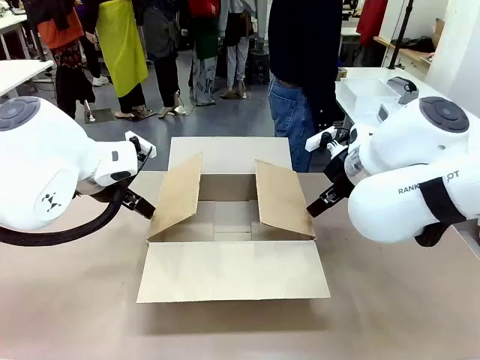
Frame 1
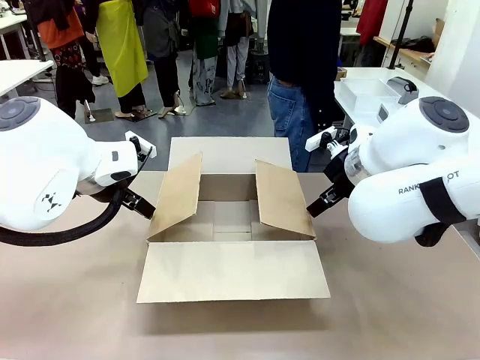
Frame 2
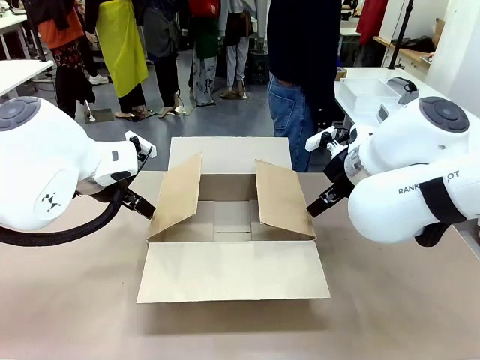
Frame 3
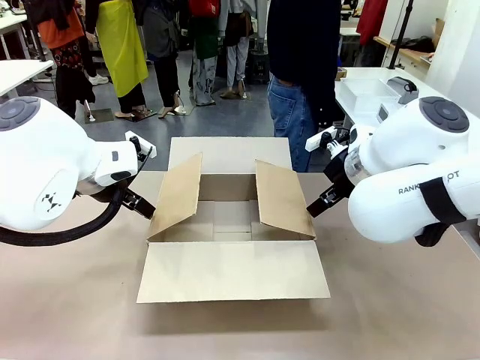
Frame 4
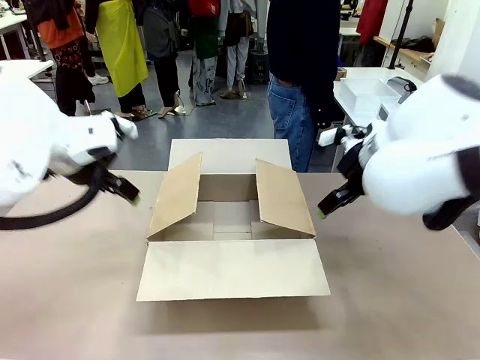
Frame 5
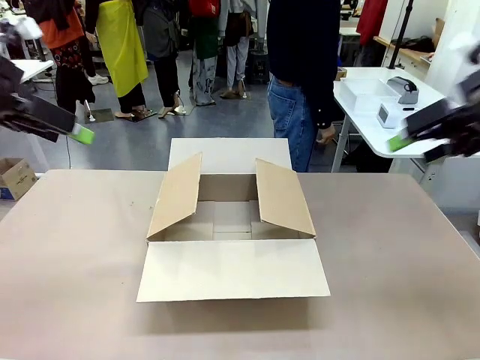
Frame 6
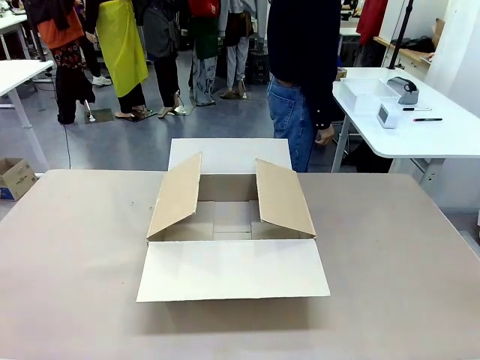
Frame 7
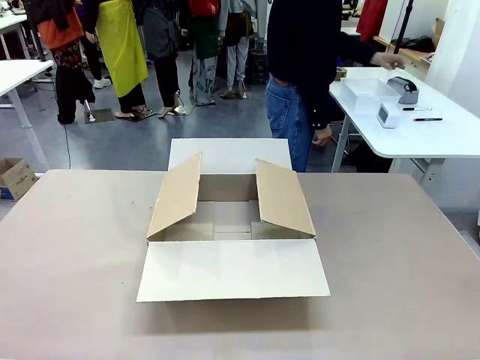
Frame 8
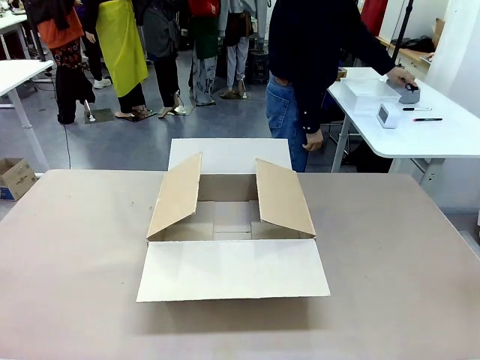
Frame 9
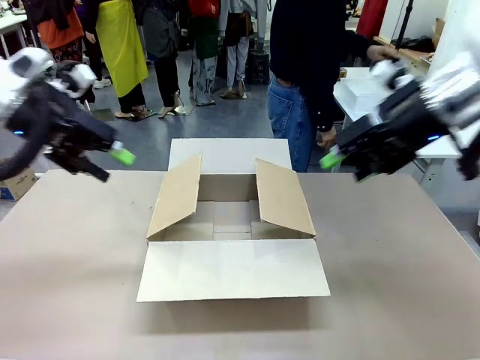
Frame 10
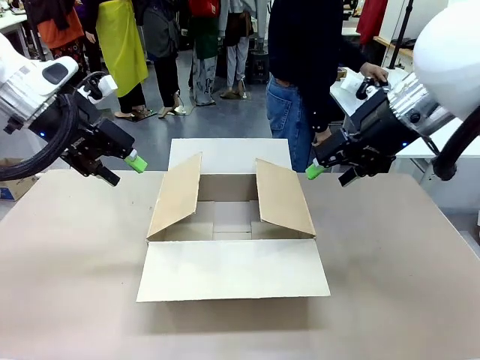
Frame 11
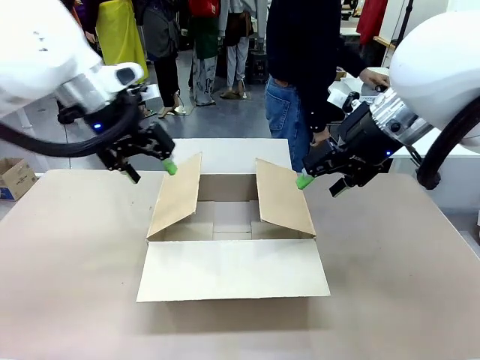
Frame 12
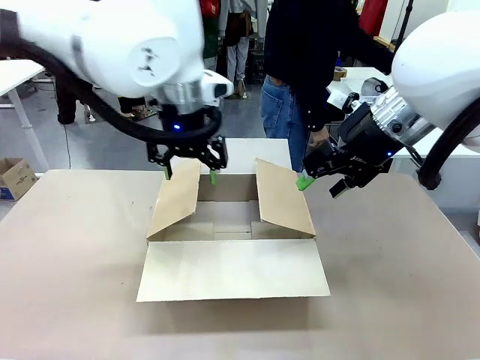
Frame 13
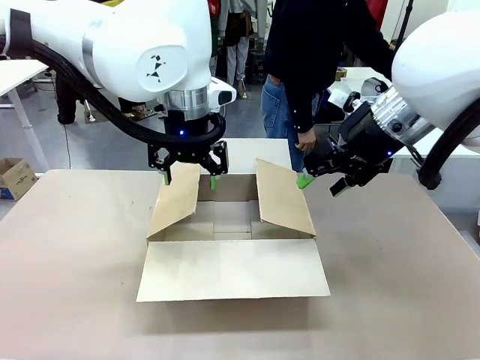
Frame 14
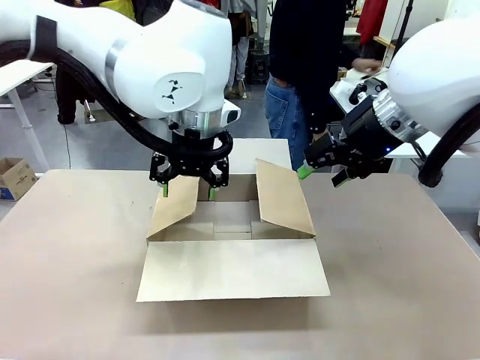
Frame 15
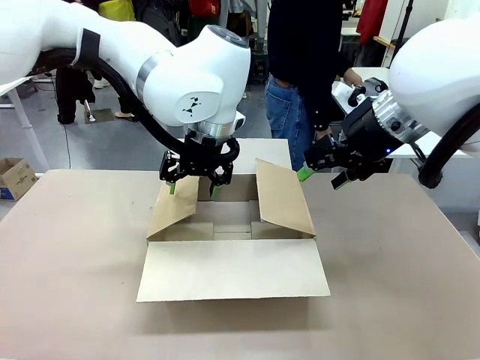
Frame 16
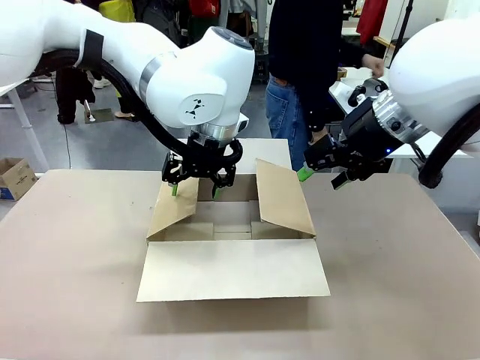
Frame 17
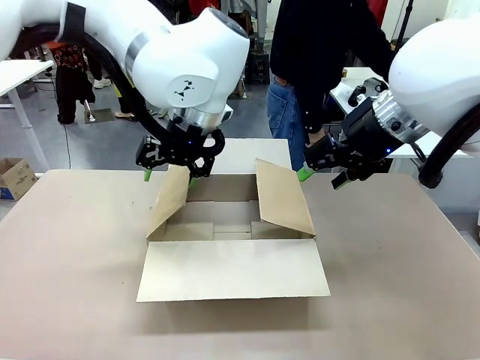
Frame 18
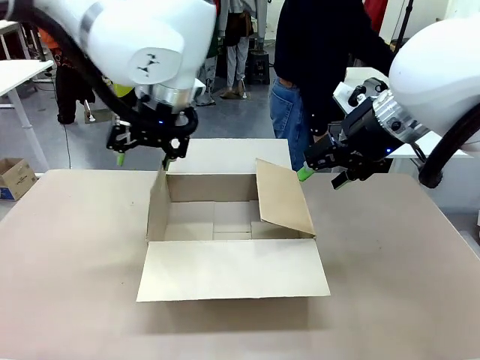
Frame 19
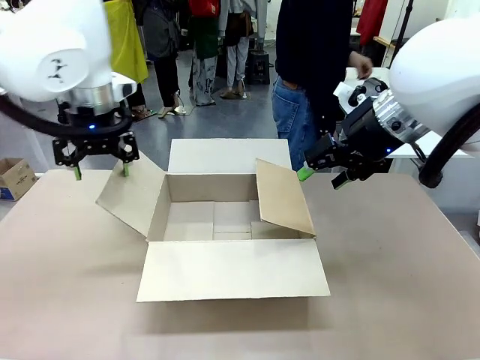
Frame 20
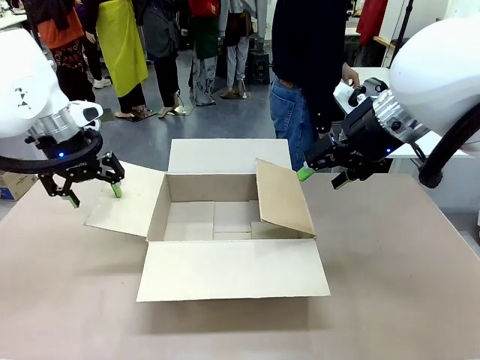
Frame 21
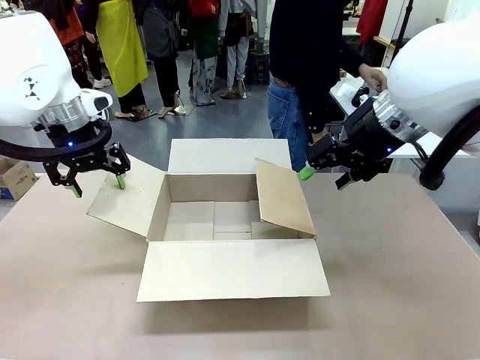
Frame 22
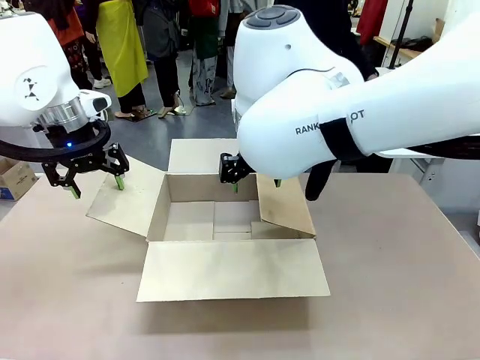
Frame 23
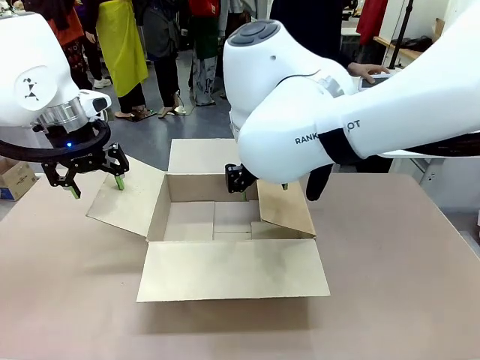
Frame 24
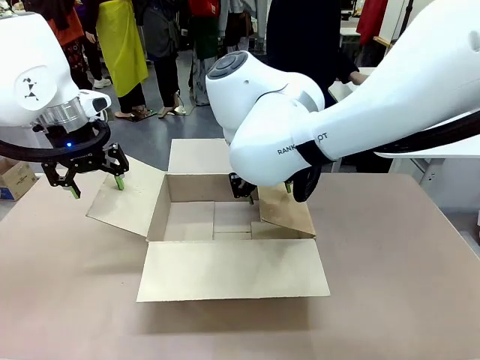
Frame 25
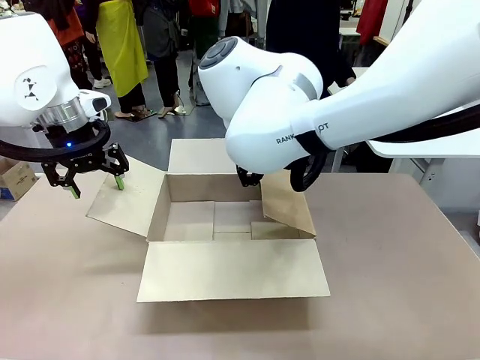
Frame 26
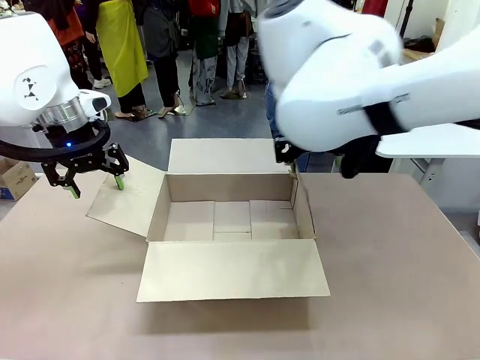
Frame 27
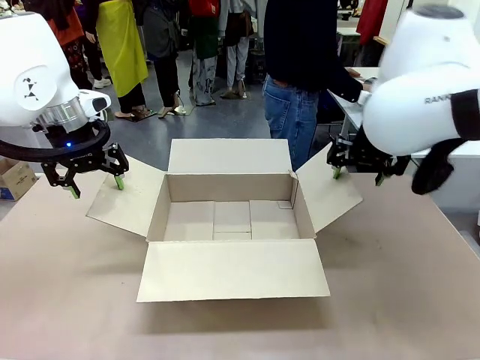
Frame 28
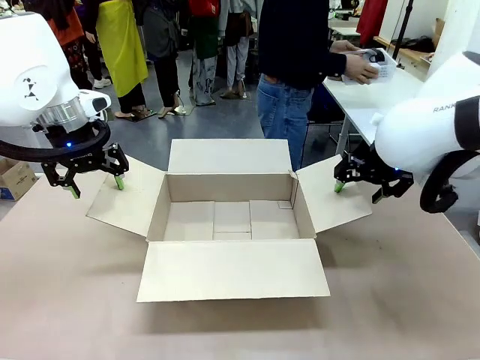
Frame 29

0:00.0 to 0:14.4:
Task: Pack the gift set into the box.
Robot: Place both hands on the side flaps of the Package Box and spread them outward.
Person: The human places all items except the paper tape into the organizing basket.

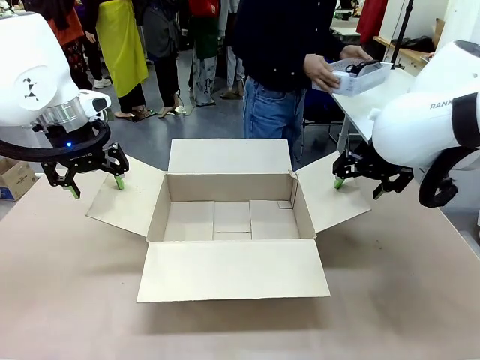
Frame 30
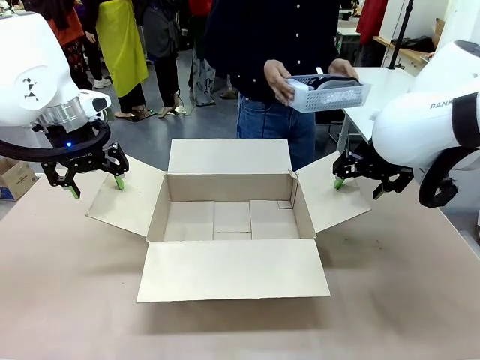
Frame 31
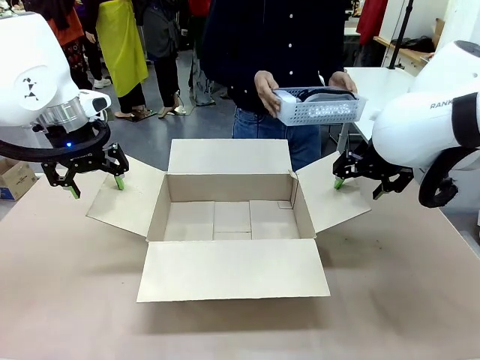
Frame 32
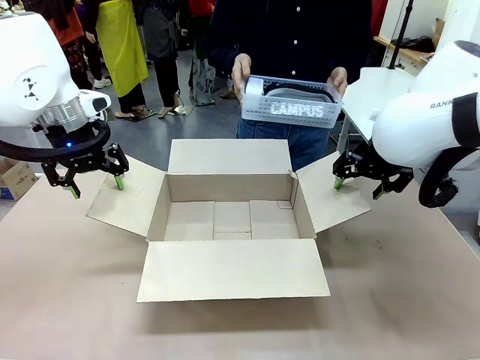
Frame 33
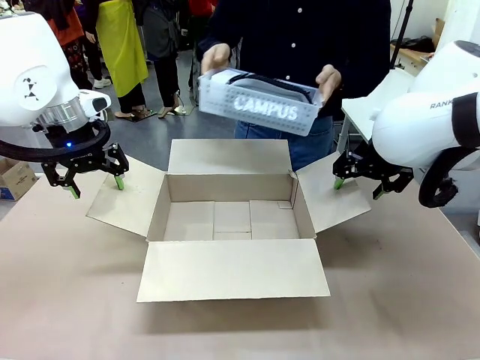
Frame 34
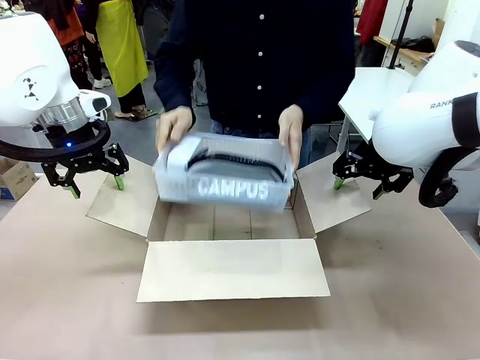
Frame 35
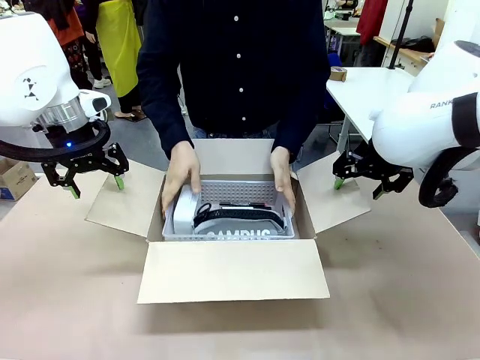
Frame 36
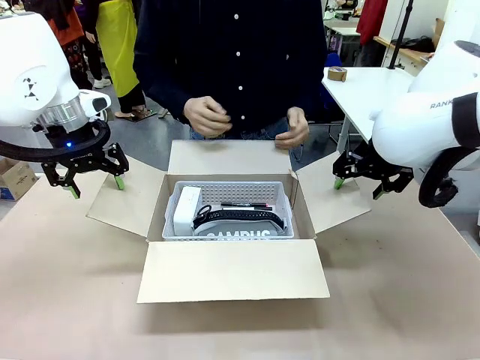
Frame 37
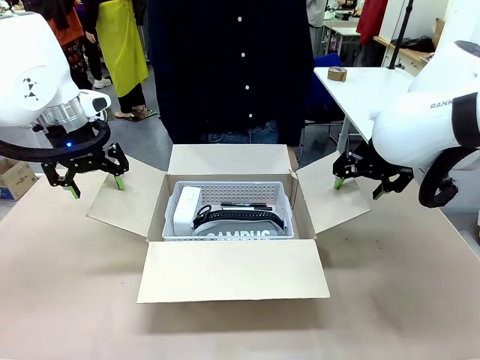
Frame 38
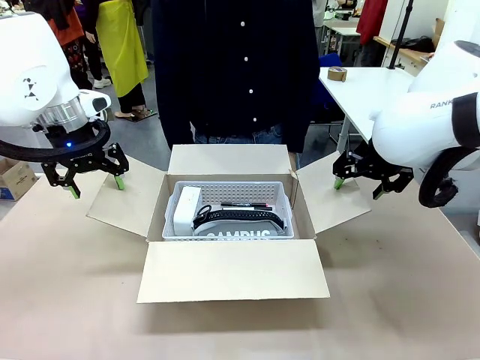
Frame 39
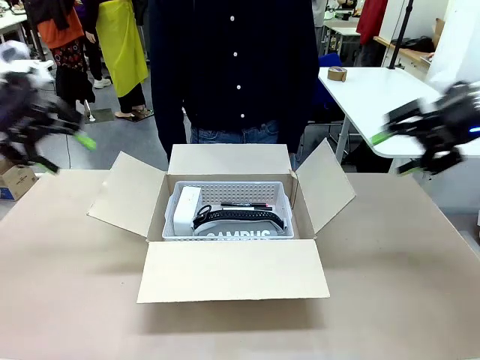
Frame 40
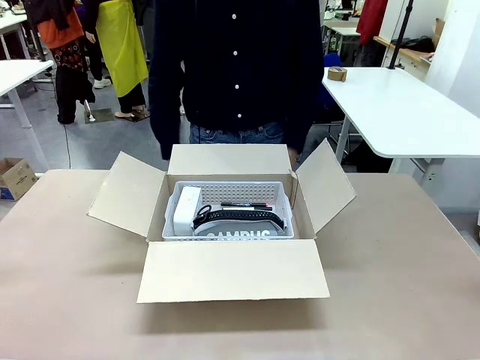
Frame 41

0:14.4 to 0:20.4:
Robot: Lift both hands away from the flaps of the Package Box.
Person: The human picks up the organizing basket and places the organizing basket into the package box on the robot table.

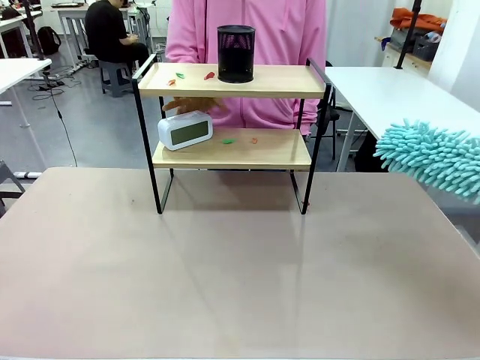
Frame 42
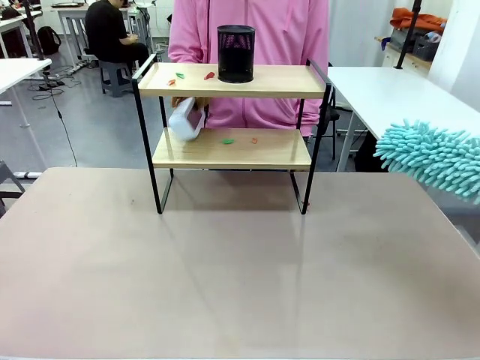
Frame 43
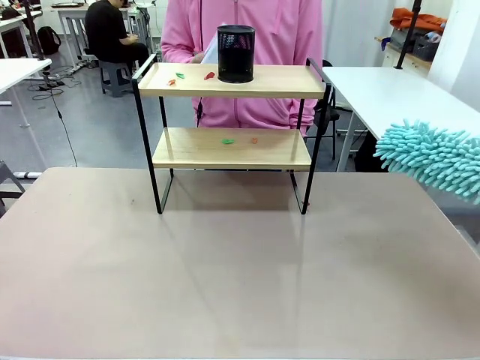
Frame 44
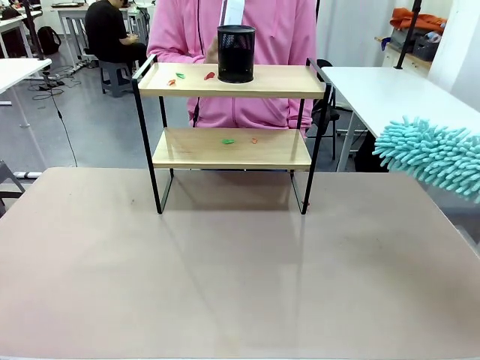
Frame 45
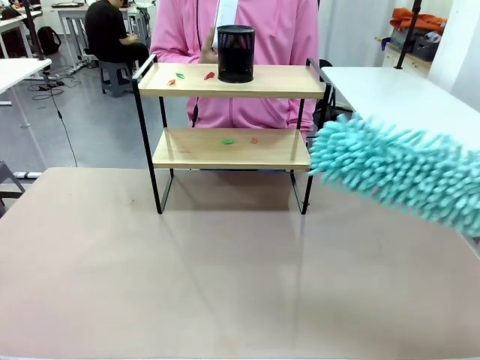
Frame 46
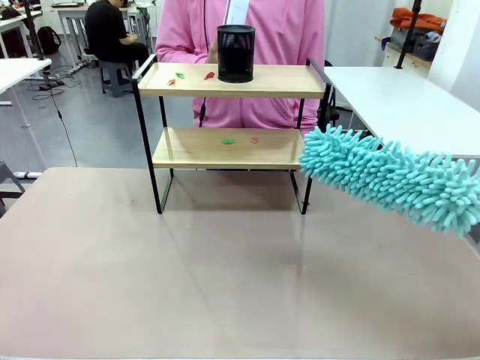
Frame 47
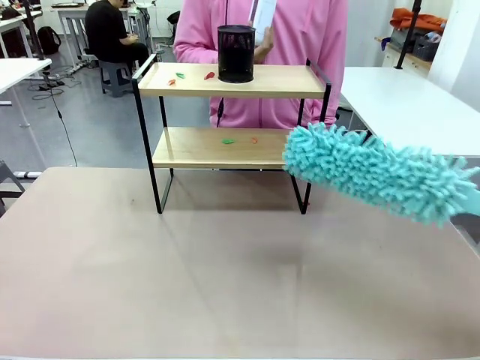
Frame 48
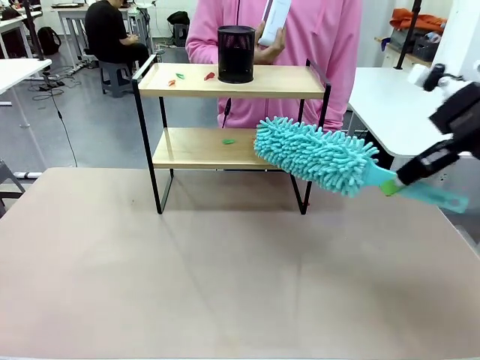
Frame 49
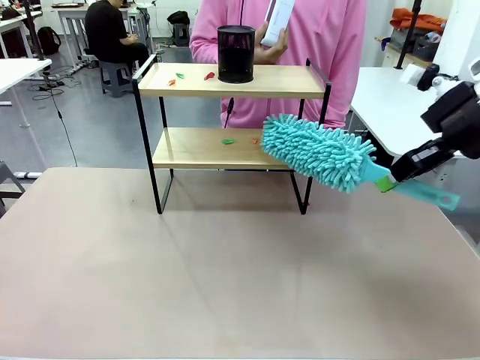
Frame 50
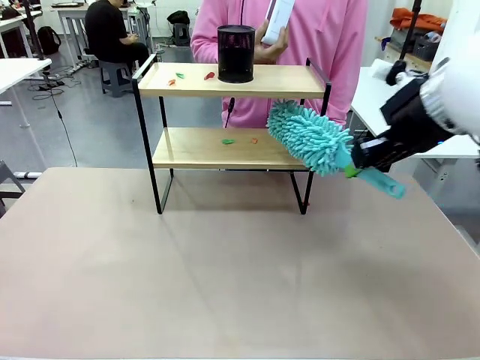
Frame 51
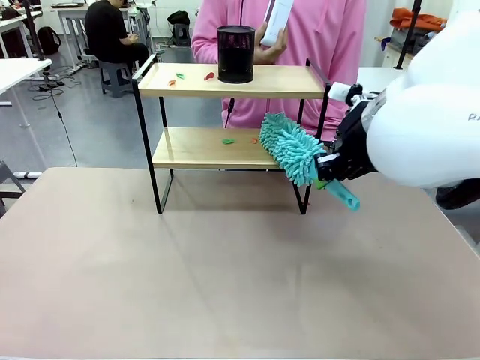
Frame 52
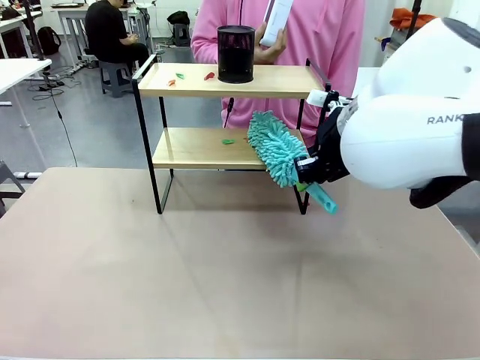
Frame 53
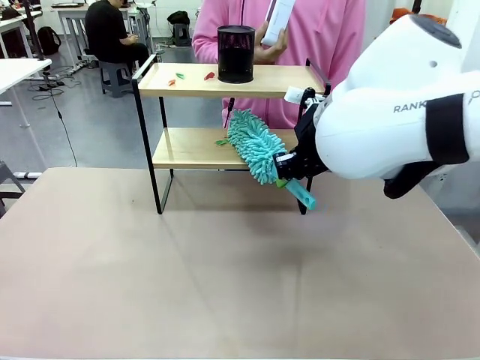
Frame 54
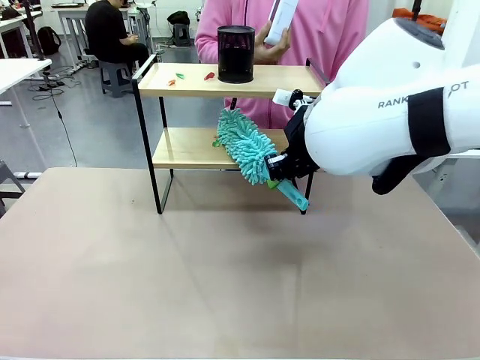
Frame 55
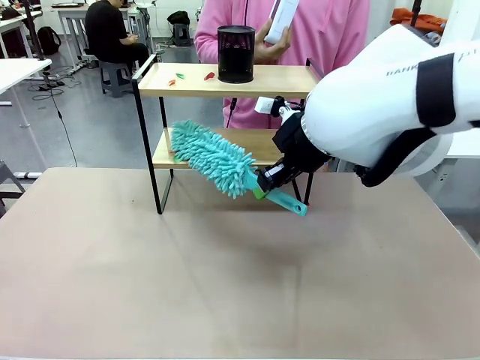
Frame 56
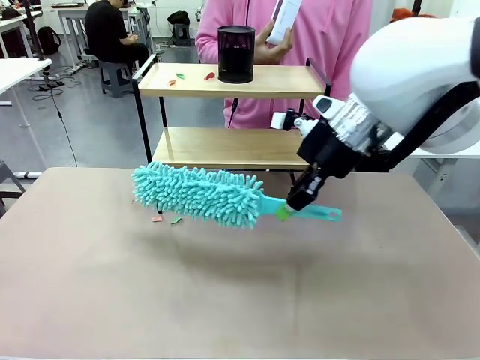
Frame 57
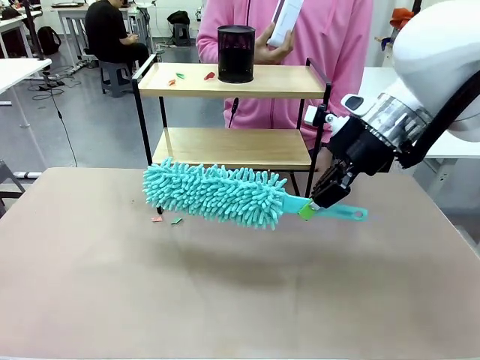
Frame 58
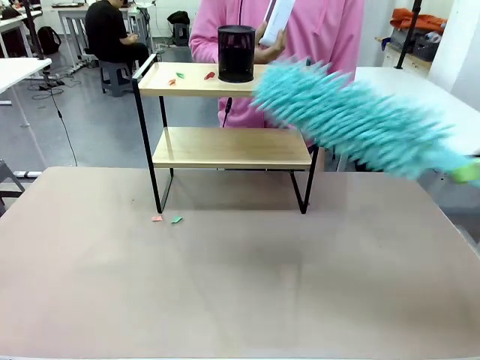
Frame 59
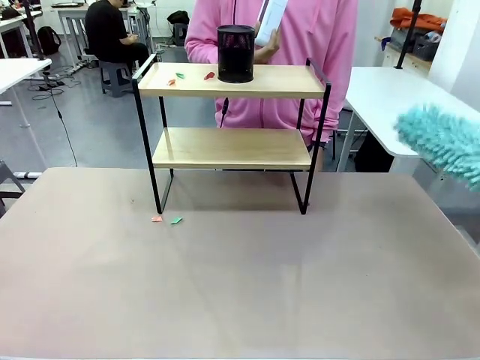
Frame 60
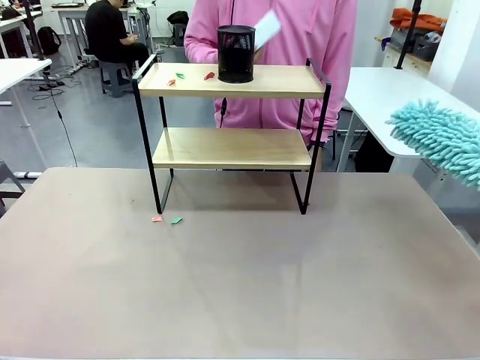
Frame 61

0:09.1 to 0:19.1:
Task: Clean the shelf.
Robot: Clean the specific tier of the Shelf with the Duster once objects are removed.
Person: Lift the objects on a randomly selected tier of the Shelf. Once the robot finishes cleaning, lift the objects on the remaining tiers of the Shelf.
